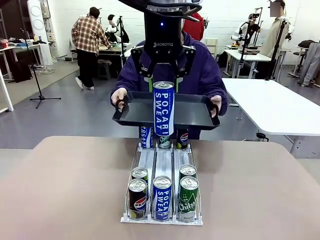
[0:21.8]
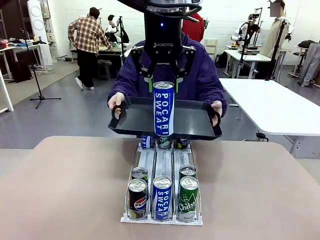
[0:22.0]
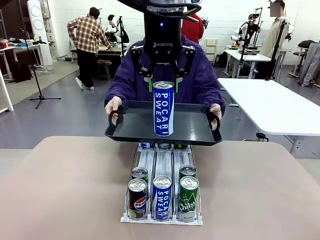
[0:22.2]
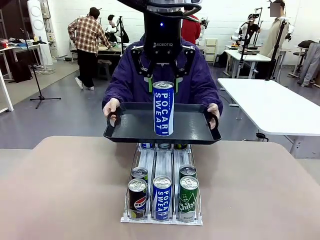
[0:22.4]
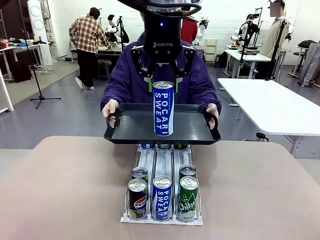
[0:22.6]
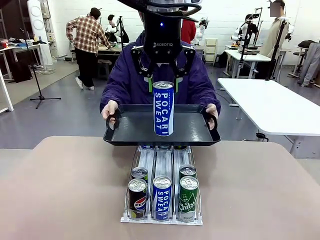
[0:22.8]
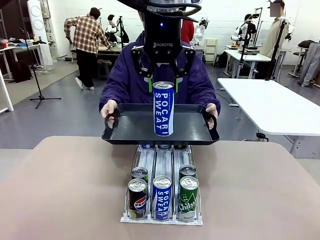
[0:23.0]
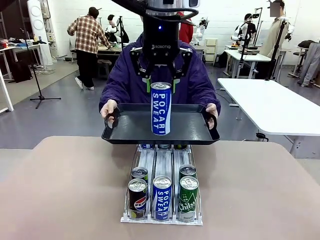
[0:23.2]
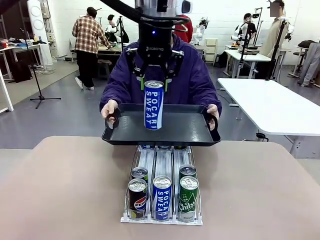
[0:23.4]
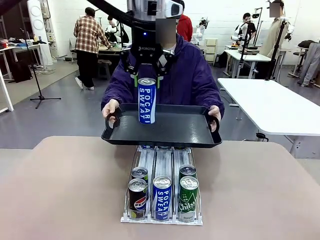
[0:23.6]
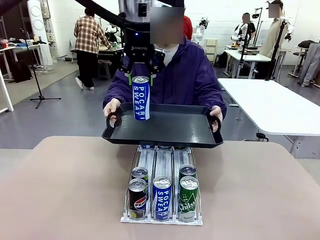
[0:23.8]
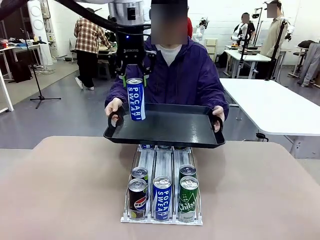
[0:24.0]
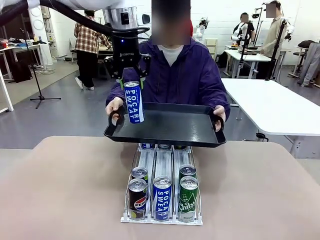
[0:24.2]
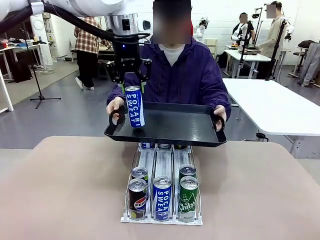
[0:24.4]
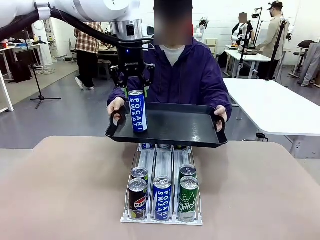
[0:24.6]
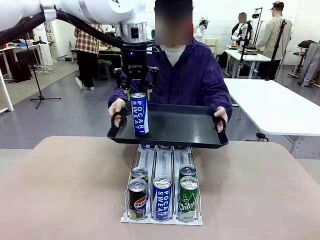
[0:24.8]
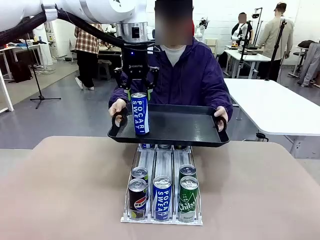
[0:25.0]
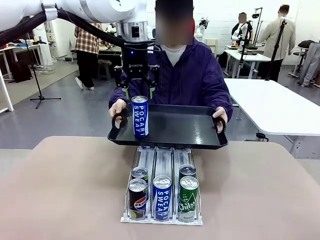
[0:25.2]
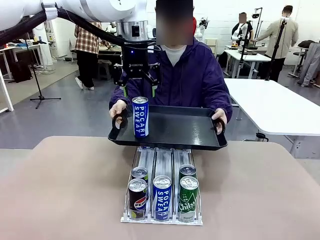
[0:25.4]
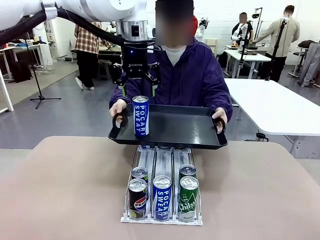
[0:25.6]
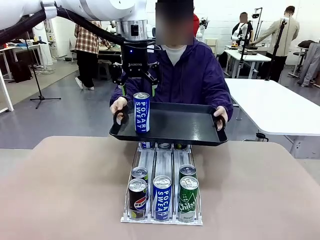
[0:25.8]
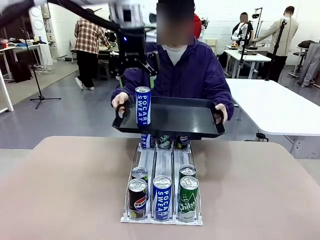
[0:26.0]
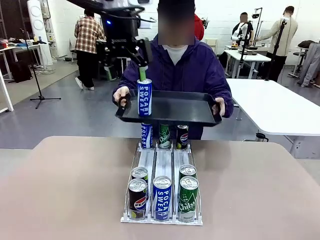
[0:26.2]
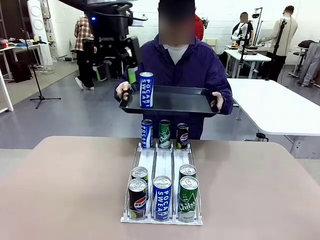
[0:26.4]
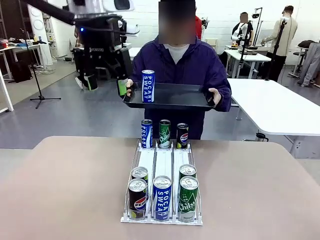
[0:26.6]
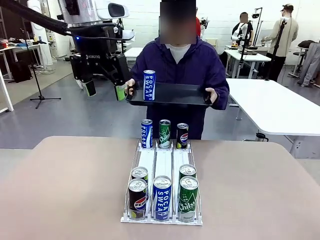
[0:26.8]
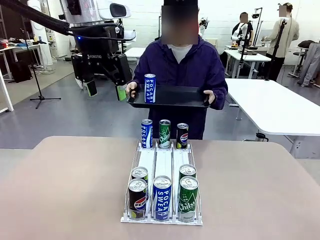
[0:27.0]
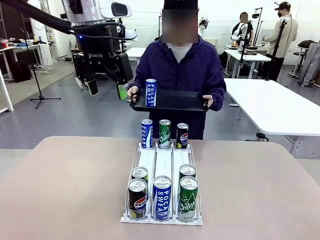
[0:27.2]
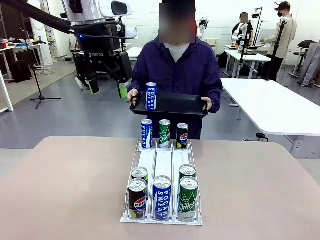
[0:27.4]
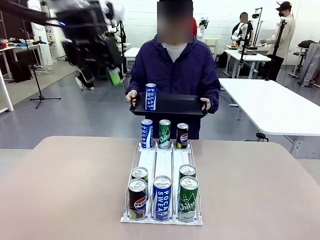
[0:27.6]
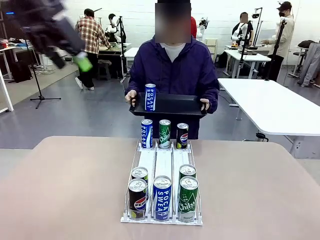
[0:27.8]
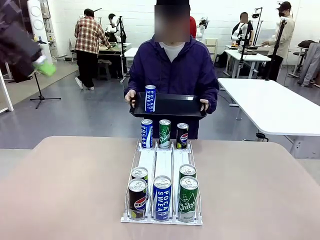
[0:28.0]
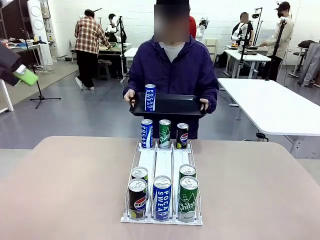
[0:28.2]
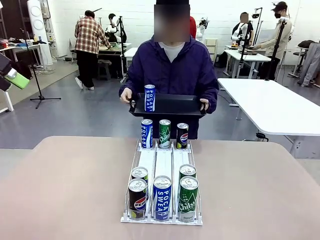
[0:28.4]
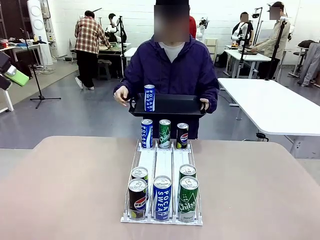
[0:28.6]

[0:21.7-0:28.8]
Task: Retrieve and hand over the desired beverage to the person.
Robot: Place the picked can on the Handle tray extended by the person.
Person: Pull the tray back, then pick up another can from the bottom area of the table and puts it back in its original place.

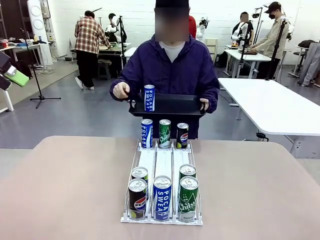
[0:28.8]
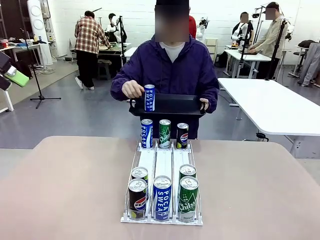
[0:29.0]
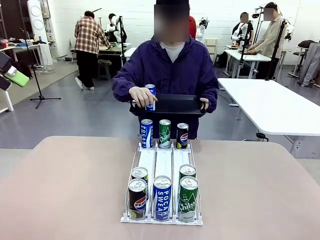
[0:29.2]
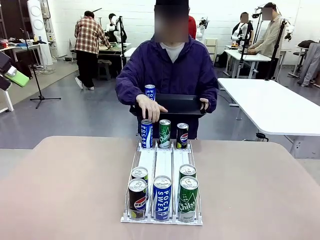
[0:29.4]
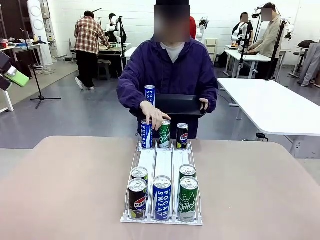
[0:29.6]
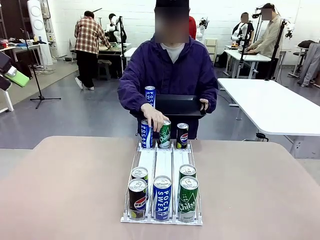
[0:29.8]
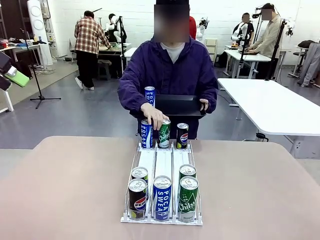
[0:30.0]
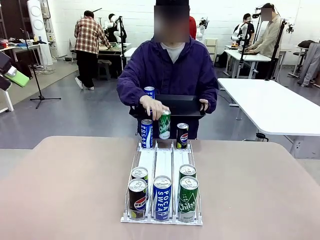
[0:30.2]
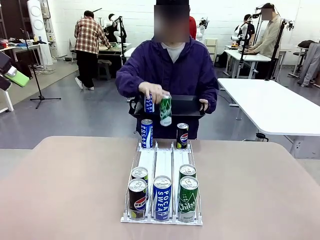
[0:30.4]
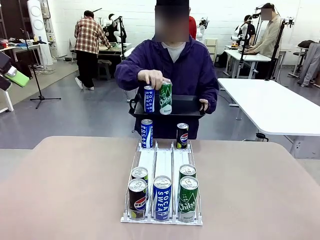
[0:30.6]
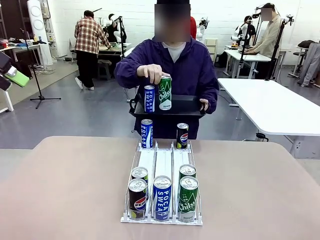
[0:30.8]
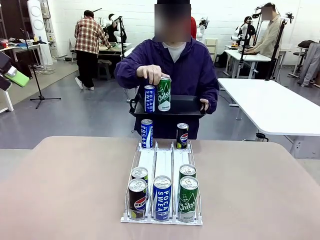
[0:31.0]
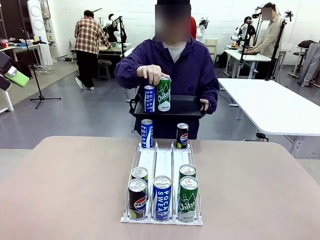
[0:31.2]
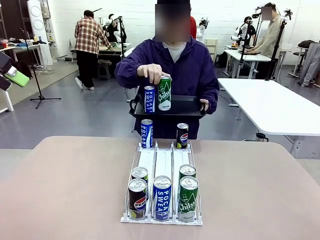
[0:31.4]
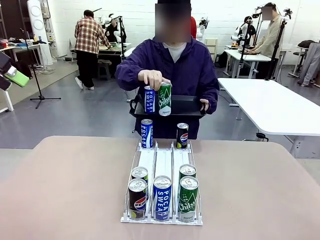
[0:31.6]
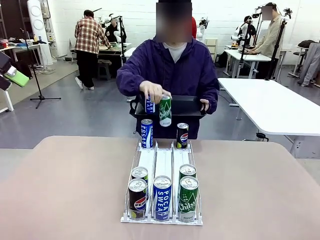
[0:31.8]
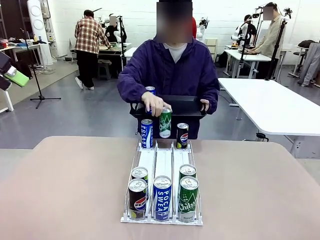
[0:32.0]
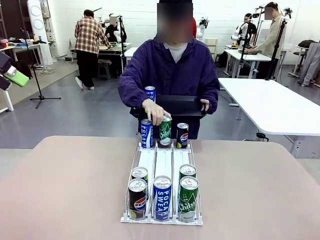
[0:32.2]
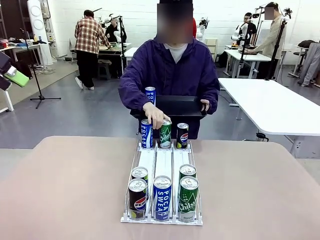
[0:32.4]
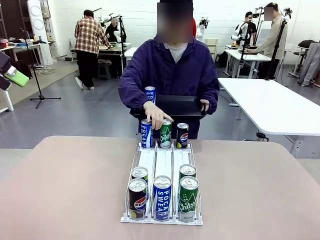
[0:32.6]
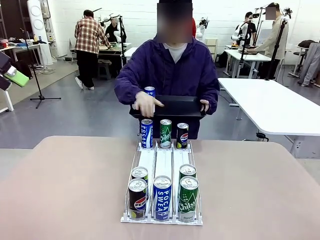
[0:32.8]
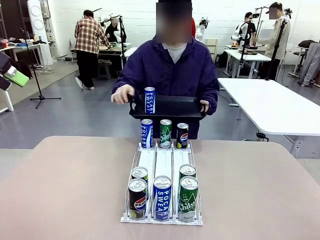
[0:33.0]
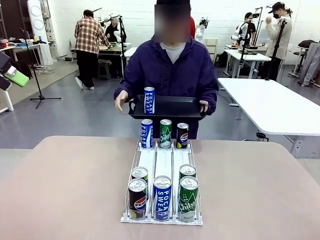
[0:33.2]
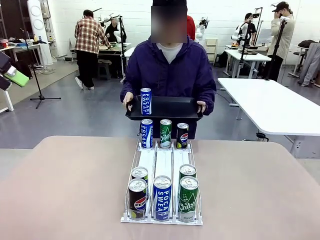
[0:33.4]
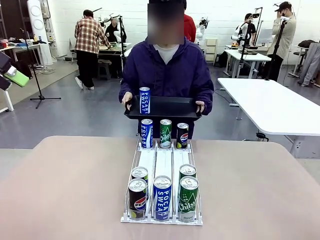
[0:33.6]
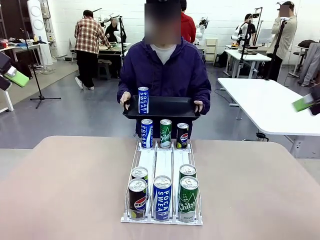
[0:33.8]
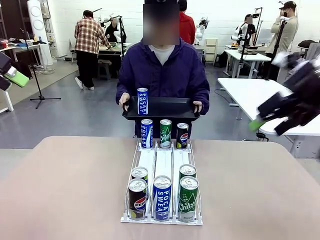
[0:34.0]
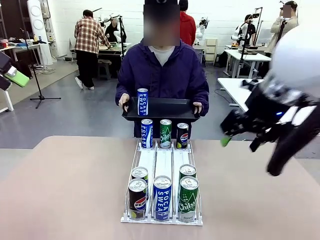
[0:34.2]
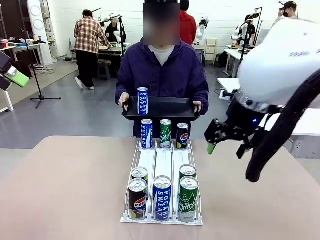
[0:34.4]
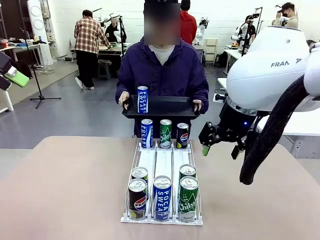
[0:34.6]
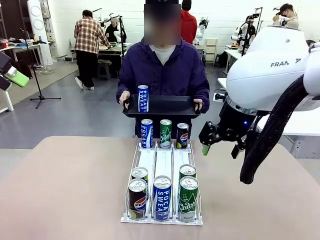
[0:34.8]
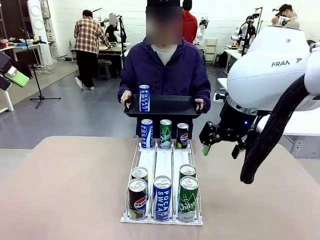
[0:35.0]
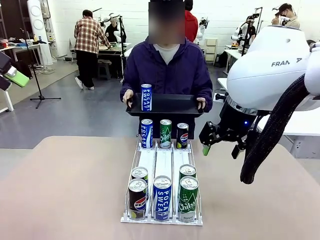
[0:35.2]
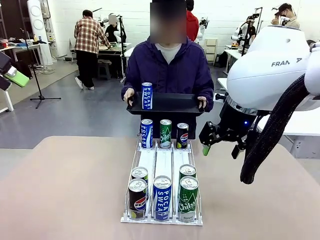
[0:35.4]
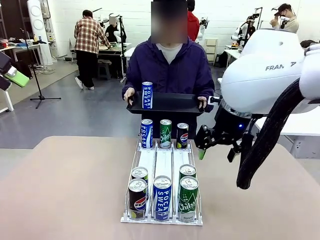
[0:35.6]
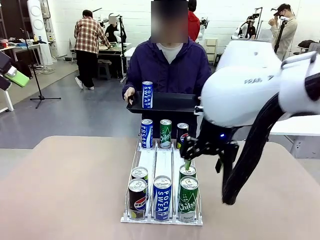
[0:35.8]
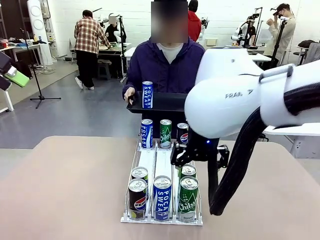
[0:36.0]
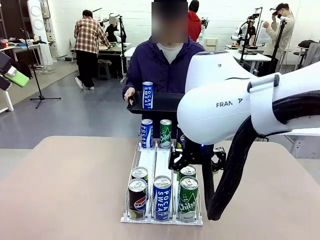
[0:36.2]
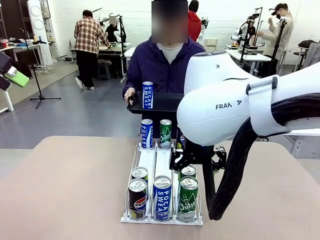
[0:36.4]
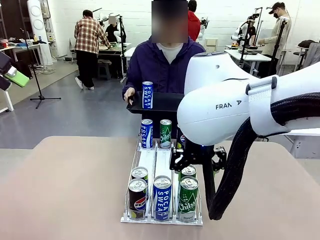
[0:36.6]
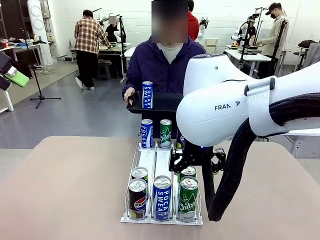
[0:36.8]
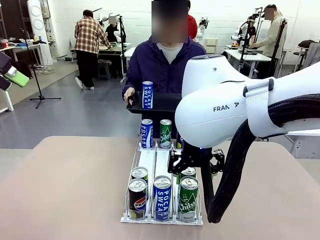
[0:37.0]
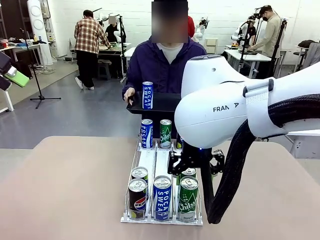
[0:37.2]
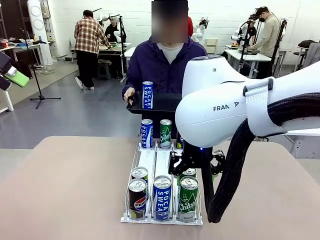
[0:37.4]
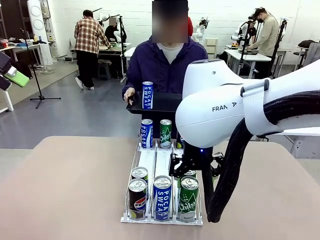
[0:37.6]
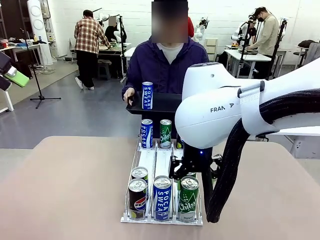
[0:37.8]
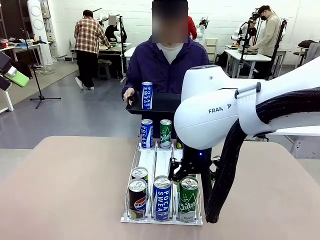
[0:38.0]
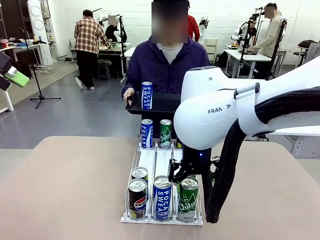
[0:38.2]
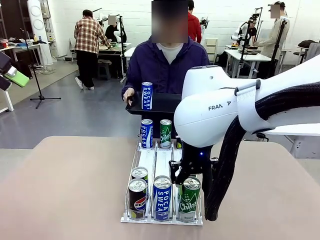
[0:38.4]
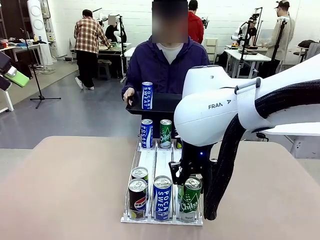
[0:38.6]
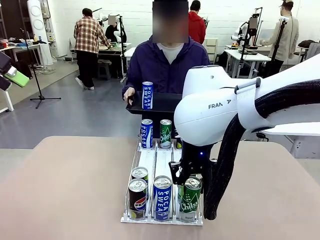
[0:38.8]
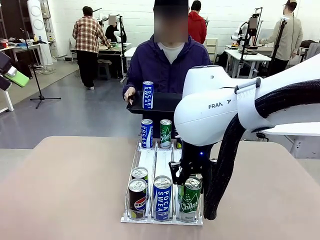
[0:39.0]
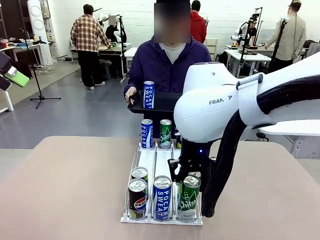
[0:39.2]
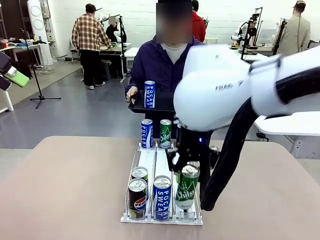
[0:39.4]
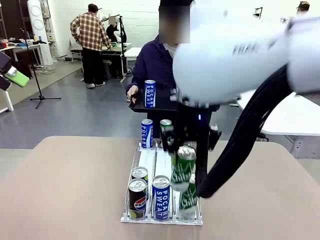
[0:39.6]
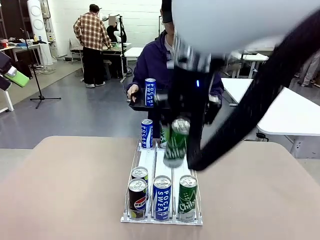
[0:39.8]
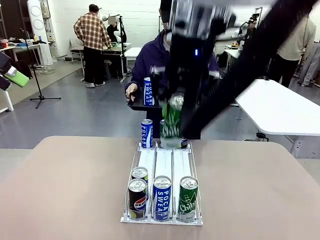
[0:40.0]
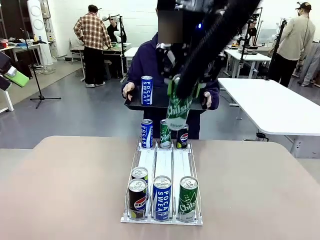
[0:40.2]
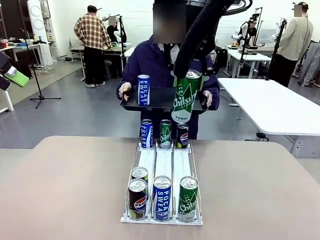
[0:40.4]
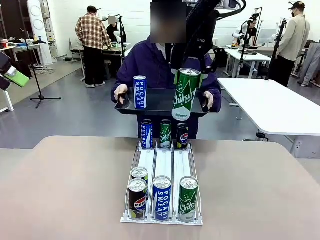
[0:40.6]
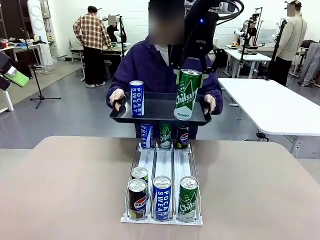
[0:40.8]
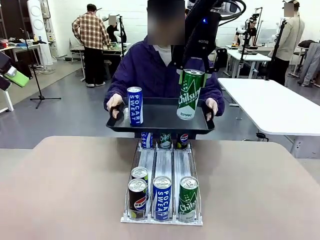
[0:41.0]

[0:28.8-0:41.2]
Robot: Pick up another can of the same type that the person held from the Automatic Can Dispenser.
Person: Push the tray toward the robot again.
